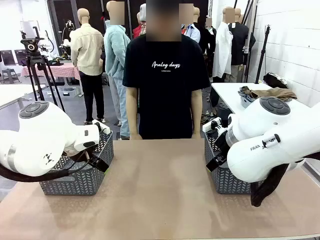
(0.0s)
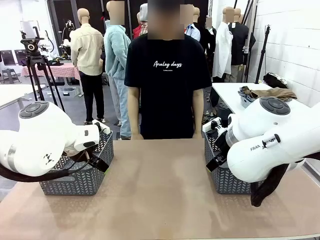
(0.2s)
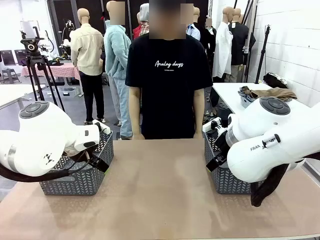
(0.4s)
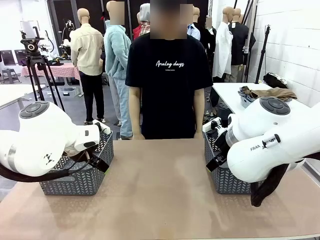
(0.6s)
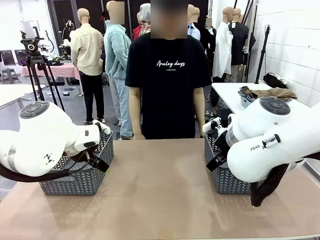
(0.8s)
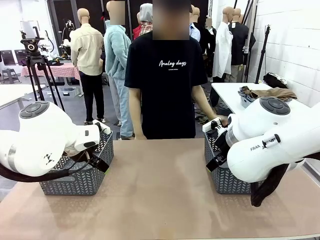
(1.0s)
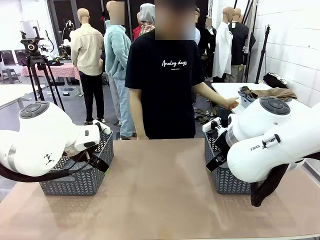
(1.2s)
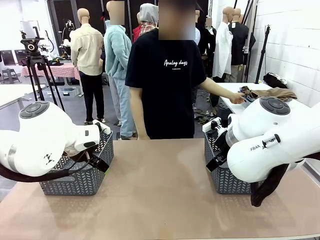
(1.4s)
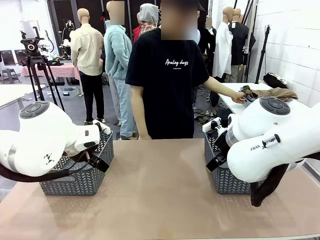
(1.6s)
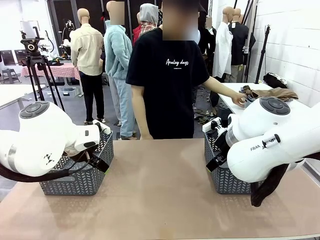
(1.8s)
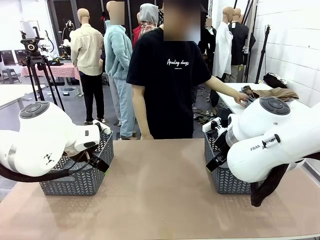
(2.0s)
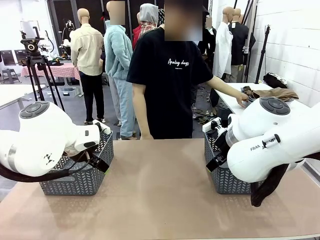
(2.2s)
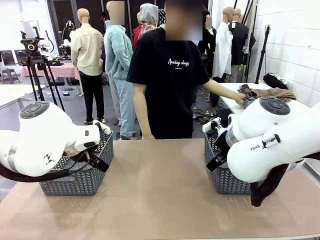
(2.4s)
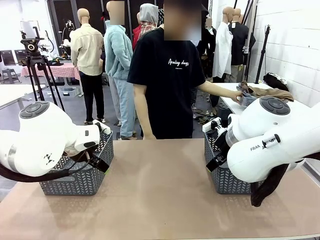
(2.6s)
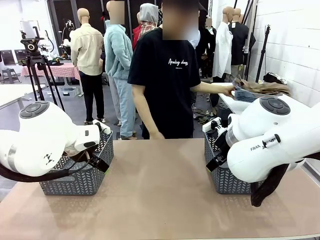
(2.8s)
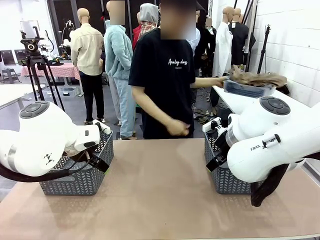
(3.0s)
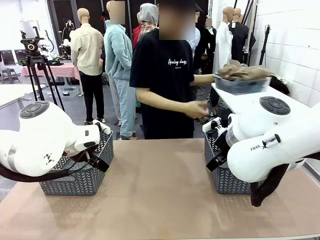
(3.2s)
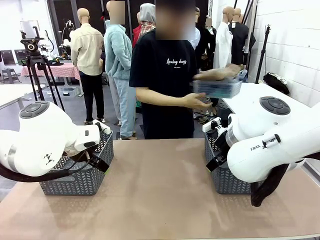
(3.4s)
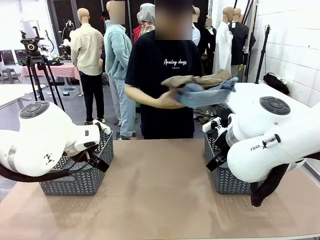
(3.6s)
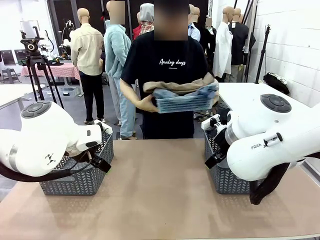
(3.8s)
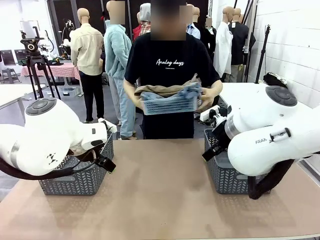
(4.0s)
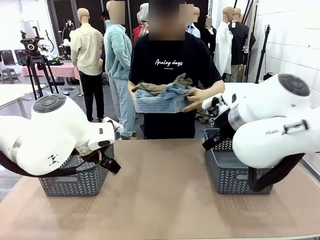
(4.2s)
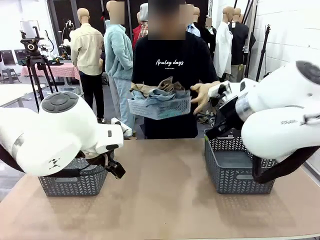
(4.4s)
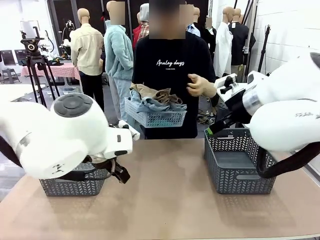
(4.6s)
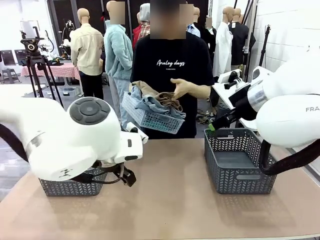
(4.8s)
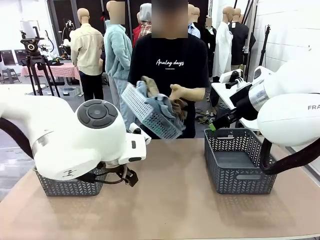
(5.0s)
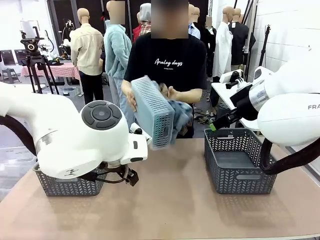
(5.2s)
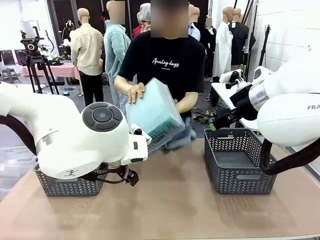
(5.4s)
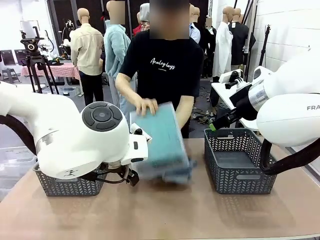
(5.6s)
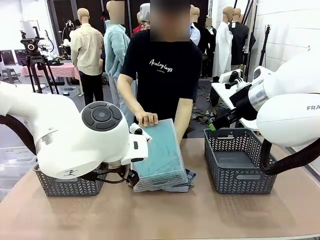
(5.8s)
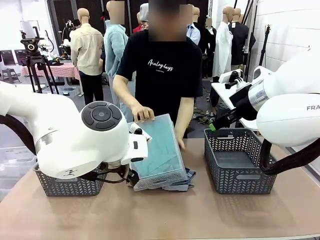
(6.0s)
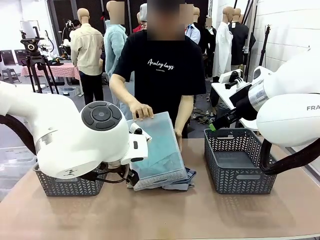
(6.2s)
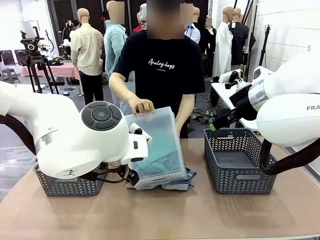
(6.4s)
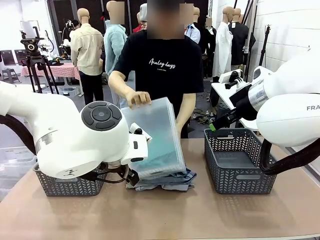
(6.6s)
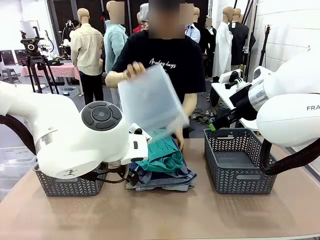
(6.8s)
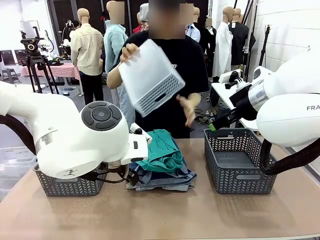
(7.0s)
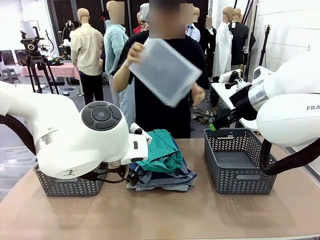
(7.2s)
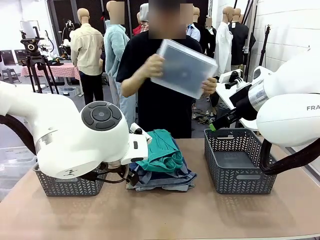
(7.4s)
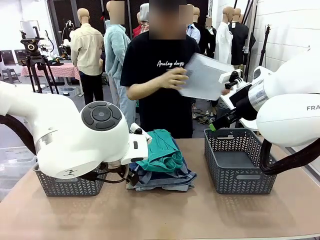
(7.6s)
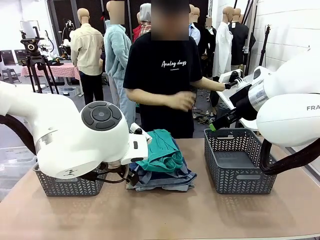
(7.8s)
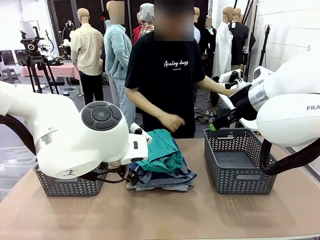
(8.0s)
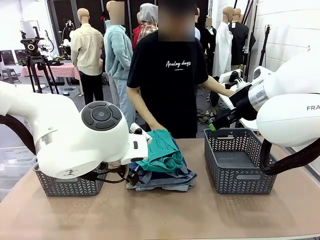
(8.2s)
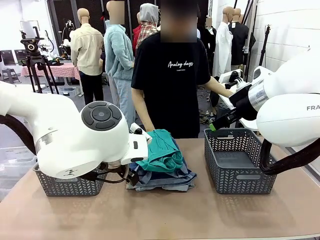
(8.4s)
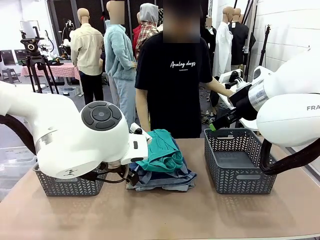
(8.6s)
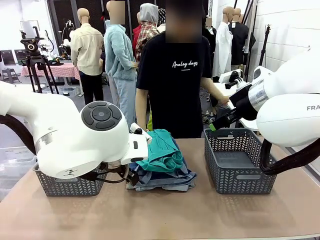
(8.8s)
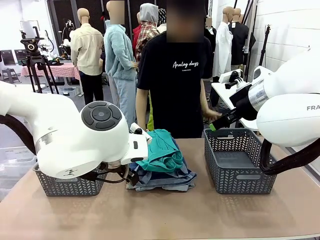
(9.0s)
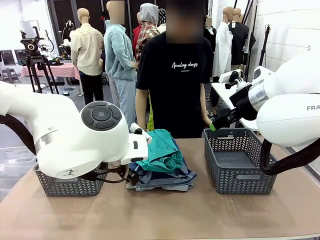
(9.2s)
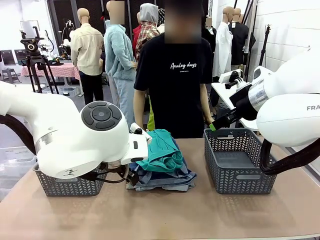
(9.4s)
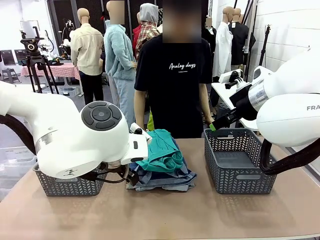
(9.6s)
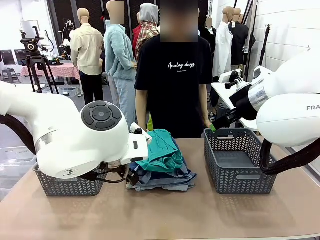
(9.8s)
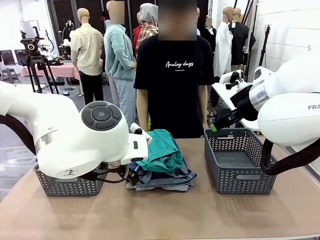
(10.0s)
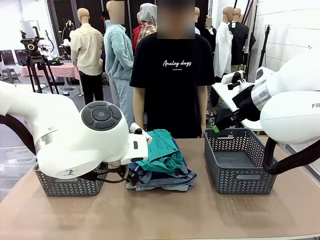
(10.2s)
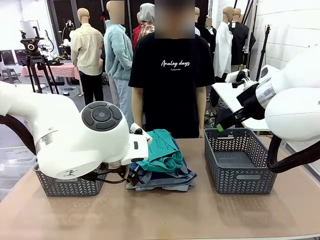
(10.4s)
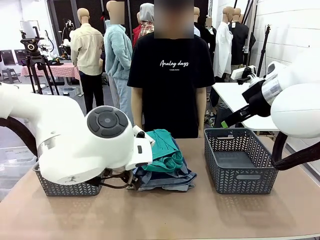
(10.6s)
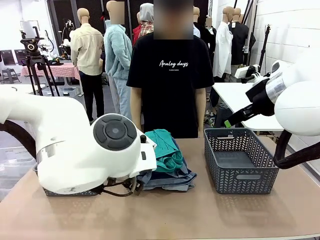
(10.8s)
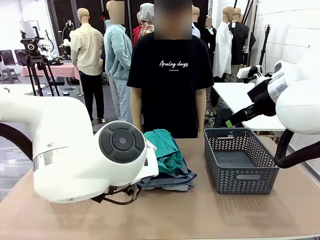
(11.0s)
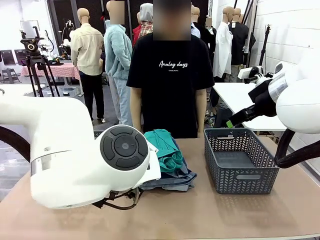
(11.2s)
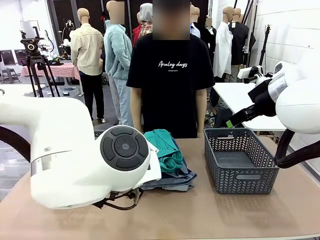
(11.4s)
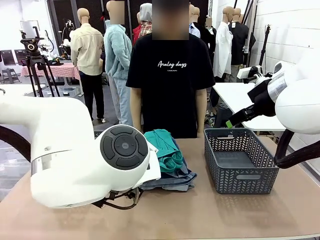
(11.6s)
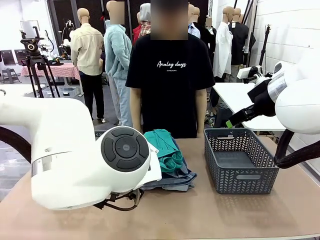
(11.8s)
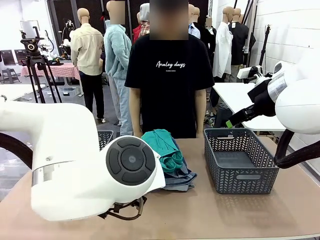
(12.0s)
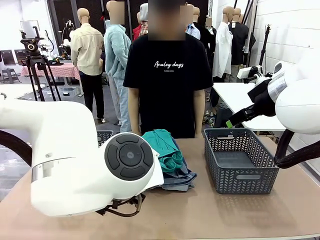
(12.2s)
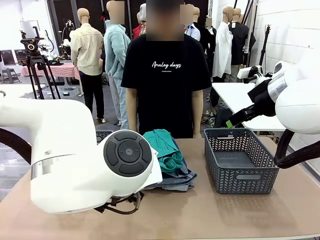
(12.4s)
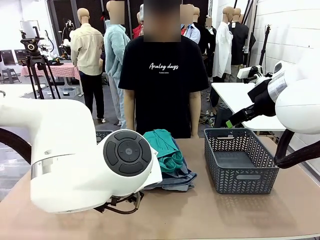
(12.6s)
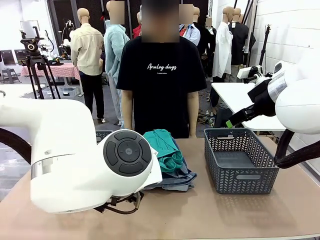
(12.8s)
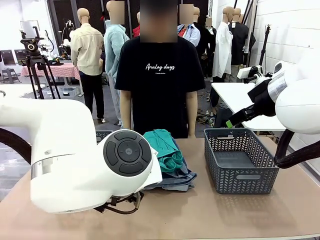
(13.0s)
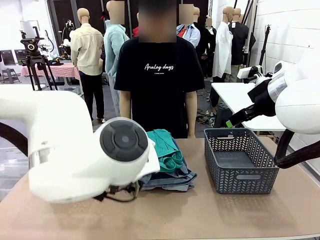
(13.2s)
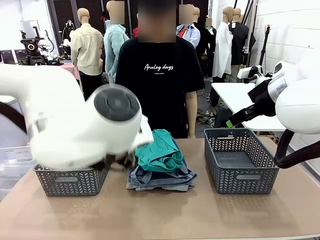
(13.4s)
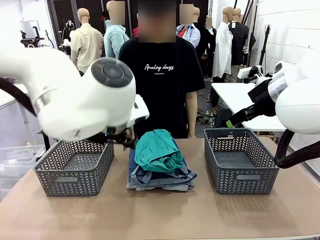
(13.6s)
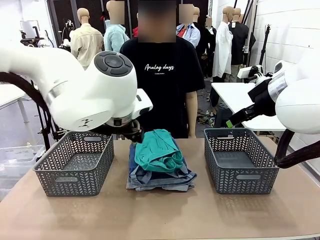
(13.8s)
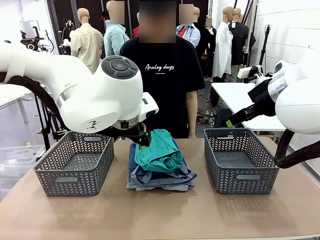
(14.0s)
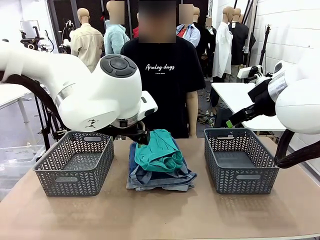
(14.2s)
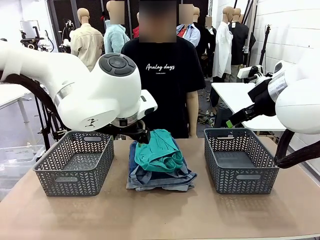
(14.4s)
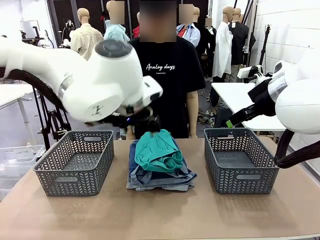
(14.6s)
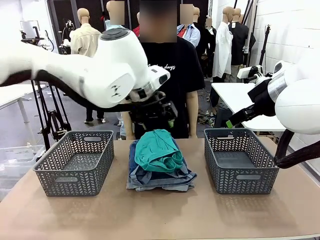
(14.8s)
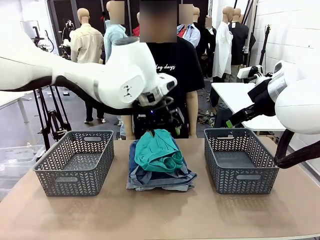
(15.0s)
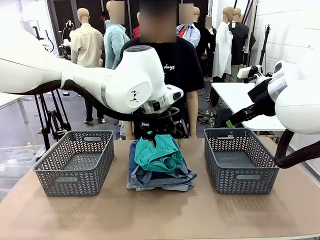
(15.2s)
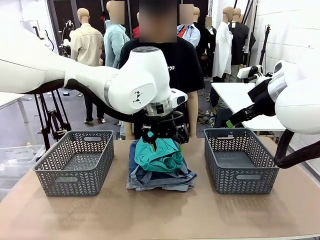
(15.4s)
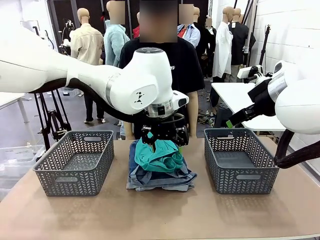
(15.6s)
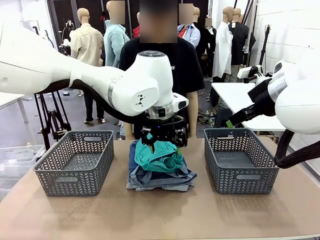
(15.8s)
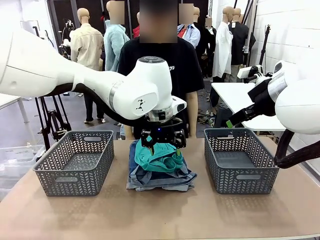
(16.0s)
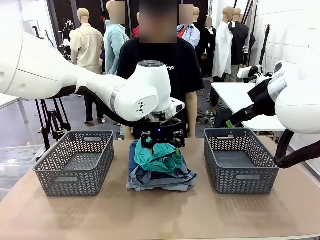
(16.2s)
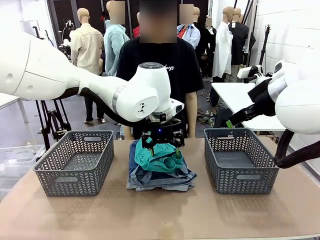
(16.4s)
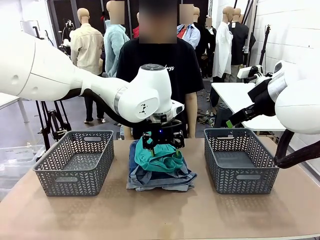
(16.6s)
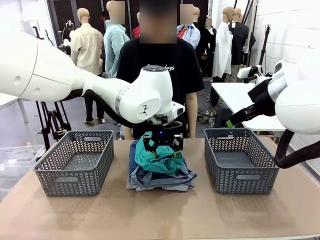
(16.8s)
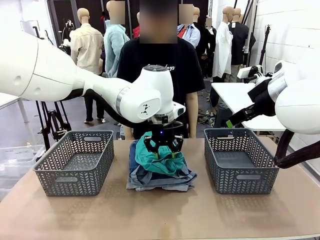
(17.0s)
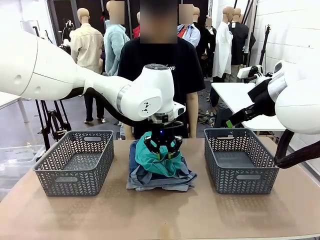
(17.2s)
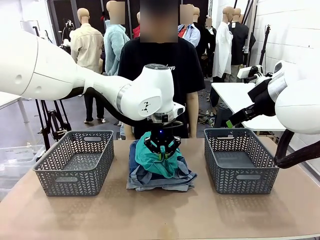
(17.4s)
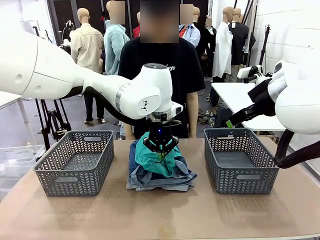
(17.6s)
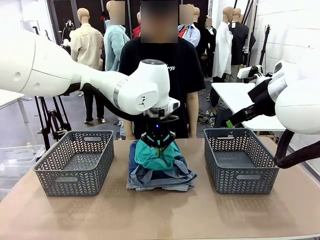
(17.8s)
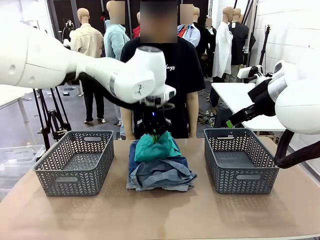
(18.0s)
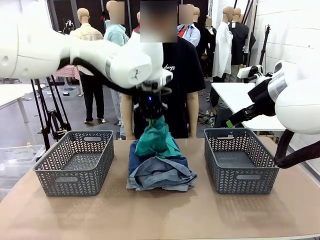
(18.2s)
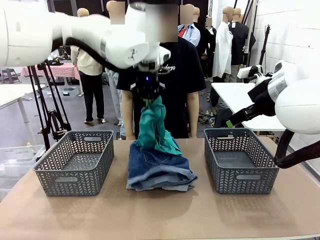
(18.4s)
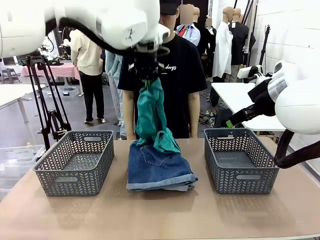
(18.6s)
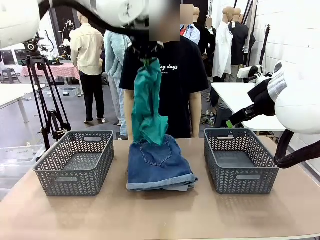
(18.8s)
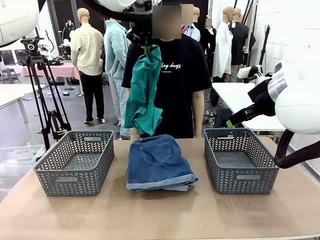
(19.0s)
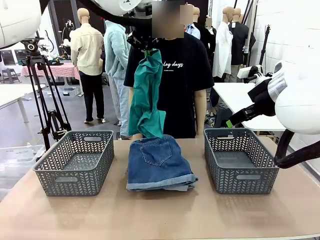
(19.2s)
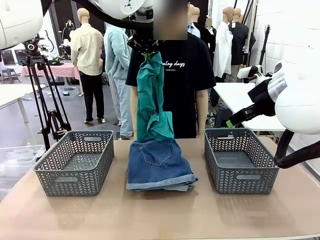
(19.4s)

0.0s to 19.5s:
Task: Sort the tops and bottoms.
Robot: Lift clothes from the center of the table with your left hand.
Person: Pour the clothes from the basket onto the center of the robot table.
